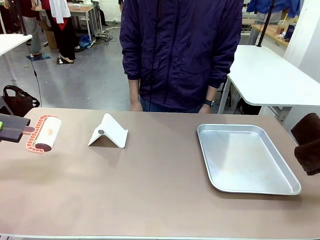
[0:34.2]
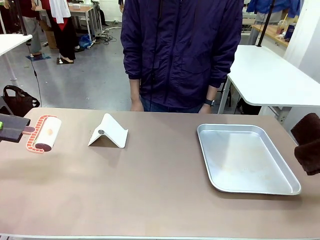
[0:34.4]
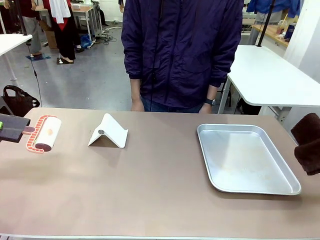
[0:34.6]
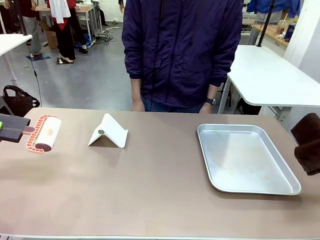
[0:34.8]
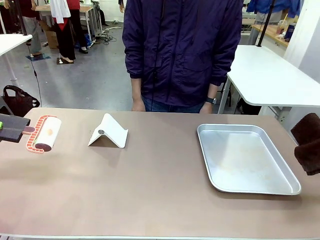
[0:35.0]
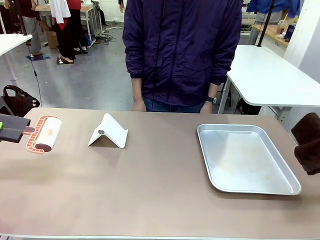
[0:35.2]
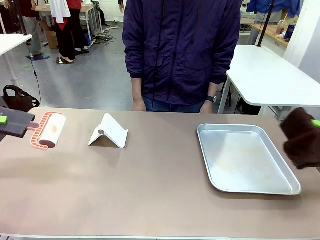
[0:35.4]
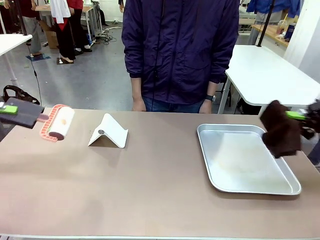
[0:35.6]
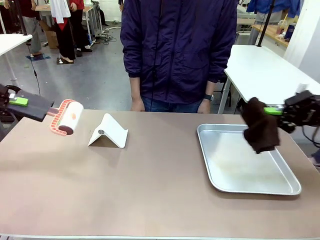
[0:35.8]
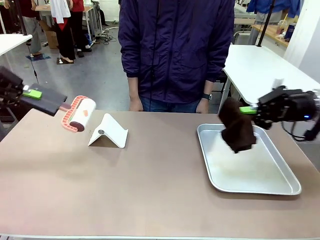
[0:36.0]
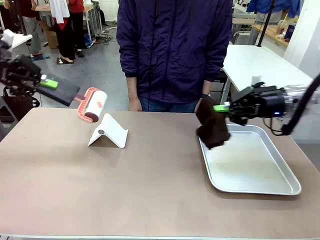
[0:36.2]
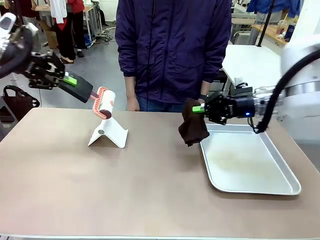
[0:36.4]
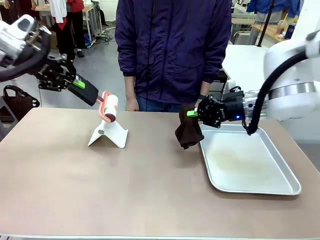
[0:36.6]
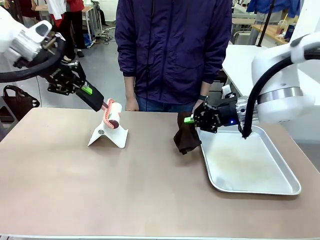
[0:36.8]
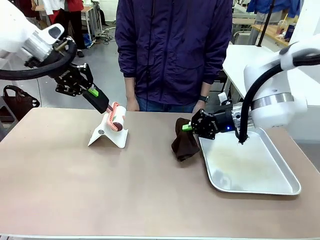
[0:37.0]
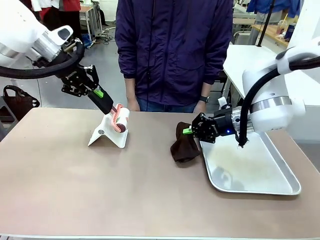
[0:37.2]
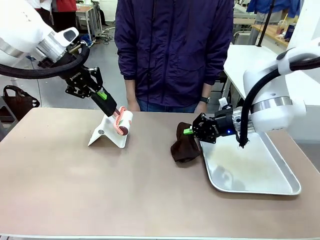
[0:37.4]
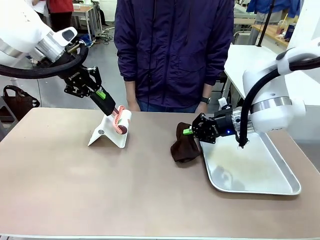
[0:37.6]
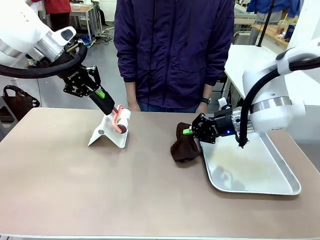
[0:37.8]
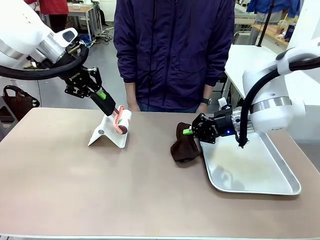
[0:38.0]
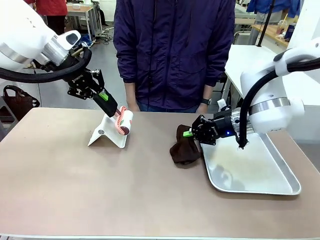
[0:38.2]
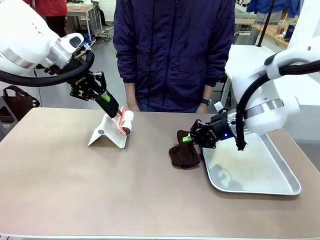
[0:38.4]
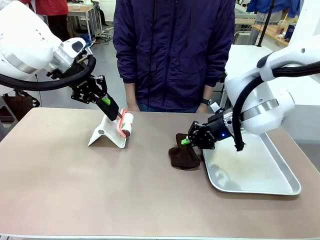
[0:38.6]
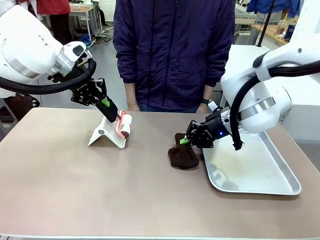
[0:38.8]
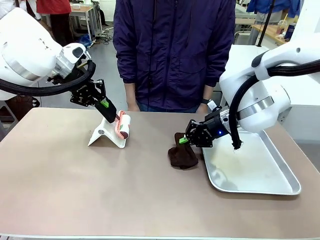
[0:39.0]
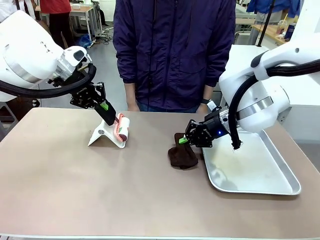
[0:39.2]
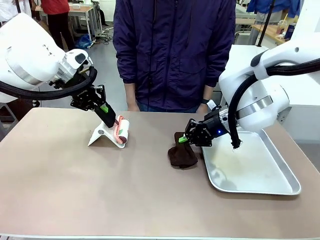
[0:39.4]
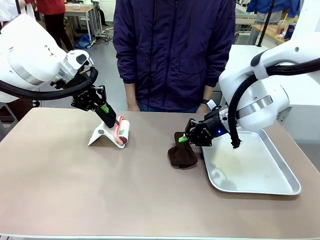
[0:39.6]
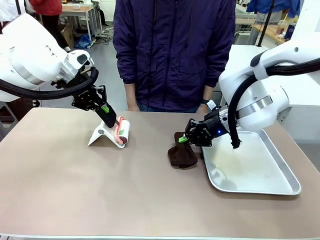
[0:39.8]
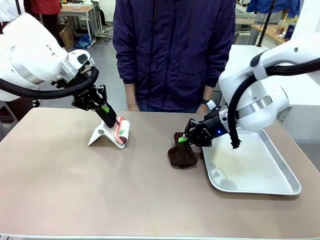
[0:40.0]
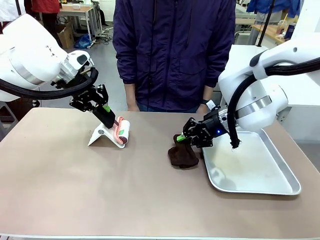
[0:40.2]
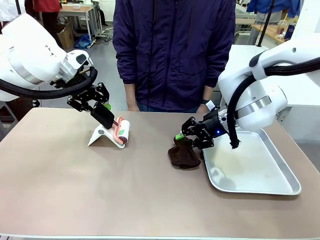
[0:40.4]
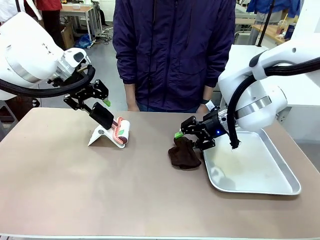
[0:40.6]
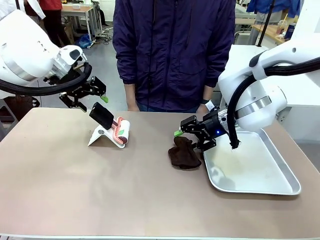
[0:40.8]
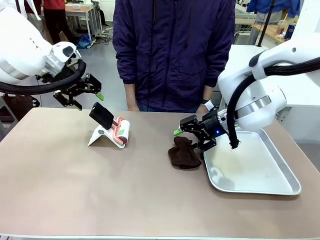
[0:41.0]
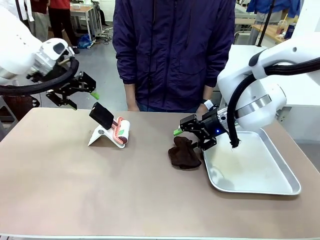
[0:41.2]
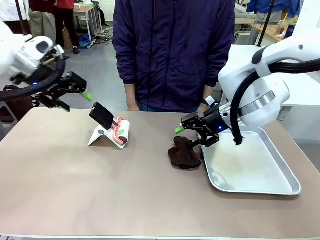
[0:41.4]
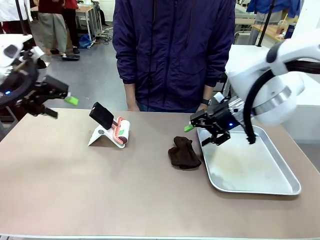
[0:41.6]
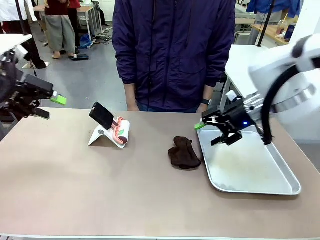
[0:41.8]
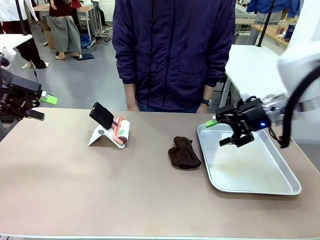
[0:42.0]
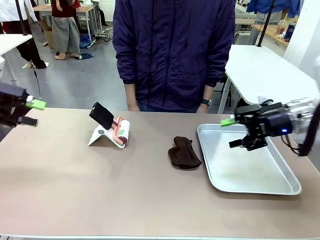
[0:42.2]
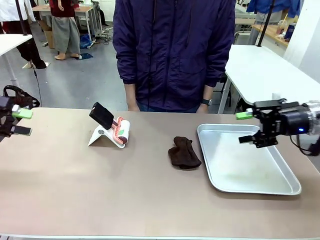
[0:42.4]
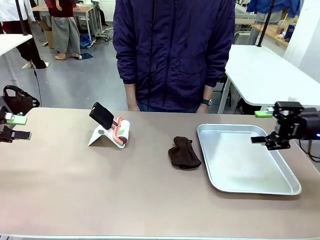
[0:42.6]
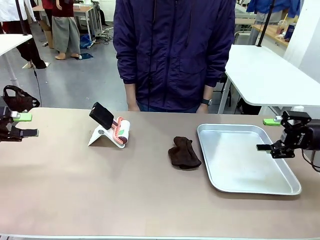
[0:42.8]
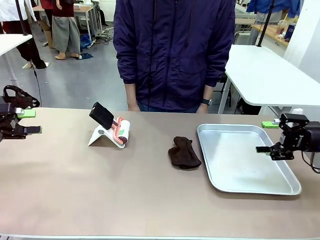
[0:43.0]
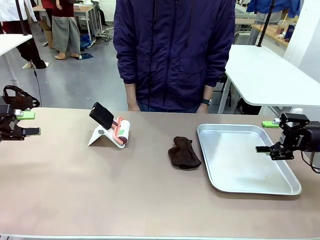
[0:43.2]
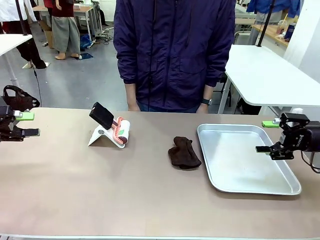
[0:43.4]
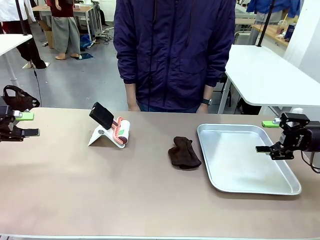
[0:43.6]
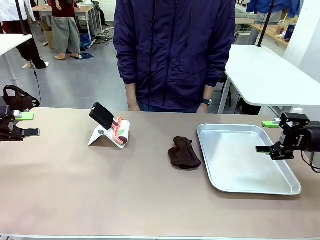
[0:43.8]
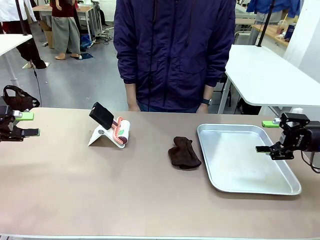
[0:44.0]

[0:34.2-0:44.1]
Task: Clean the surface of the table.
Robot: Return the Lint Roller and towel to their original positions.

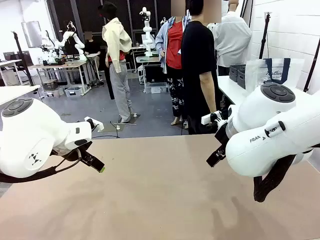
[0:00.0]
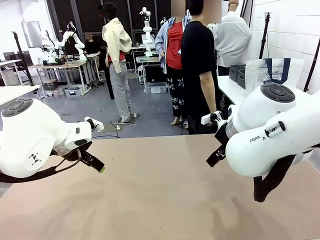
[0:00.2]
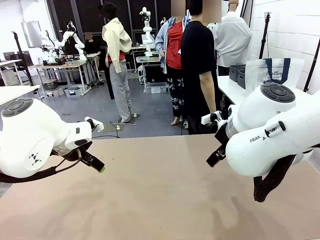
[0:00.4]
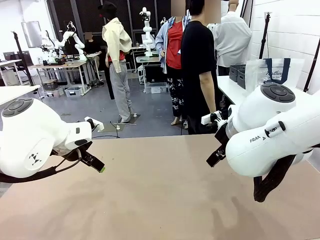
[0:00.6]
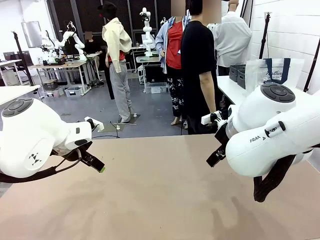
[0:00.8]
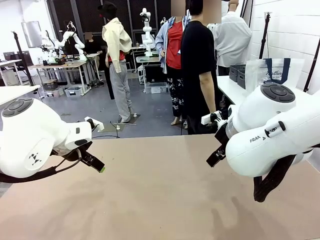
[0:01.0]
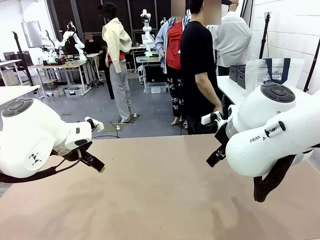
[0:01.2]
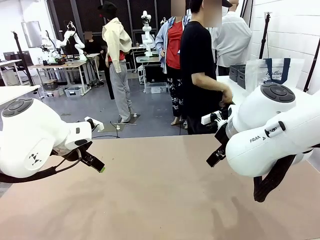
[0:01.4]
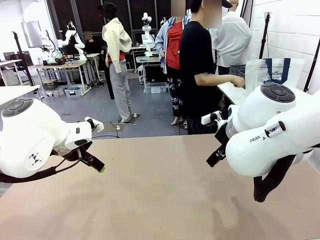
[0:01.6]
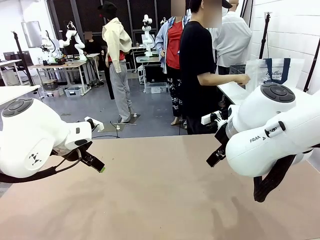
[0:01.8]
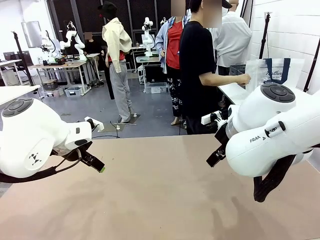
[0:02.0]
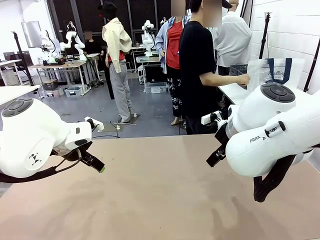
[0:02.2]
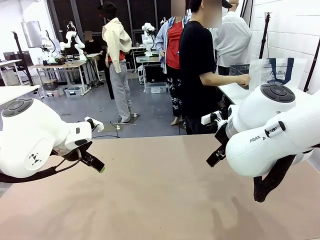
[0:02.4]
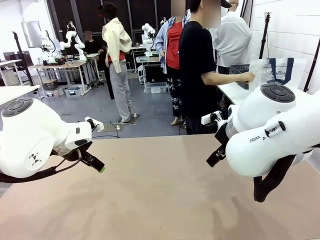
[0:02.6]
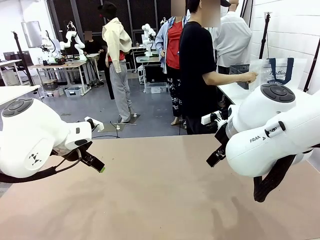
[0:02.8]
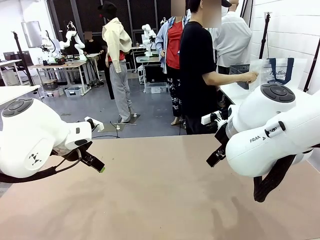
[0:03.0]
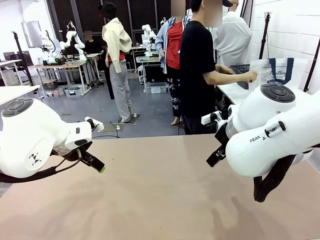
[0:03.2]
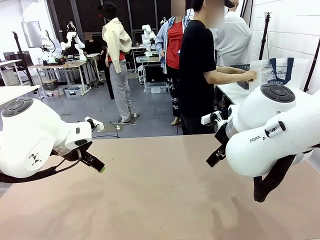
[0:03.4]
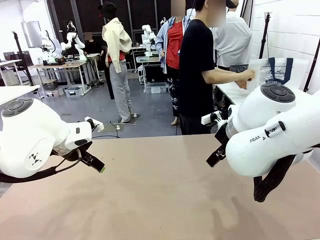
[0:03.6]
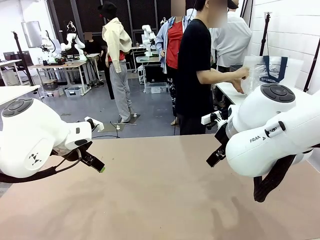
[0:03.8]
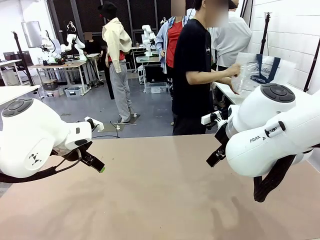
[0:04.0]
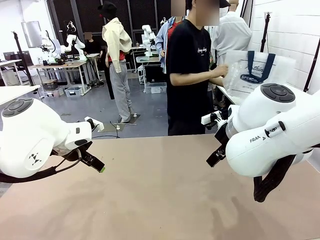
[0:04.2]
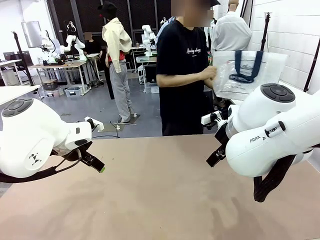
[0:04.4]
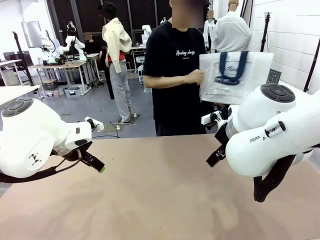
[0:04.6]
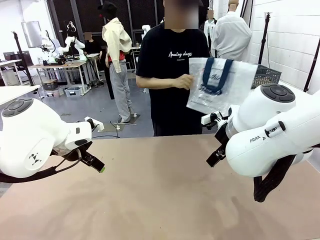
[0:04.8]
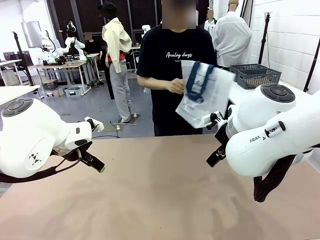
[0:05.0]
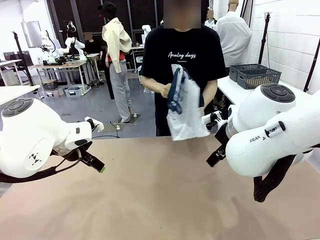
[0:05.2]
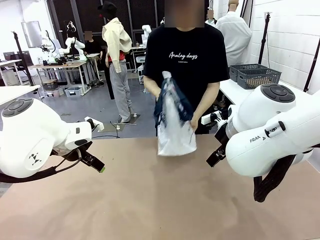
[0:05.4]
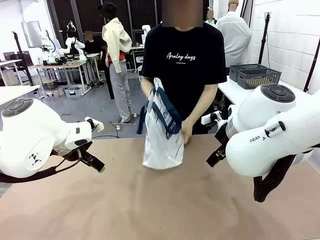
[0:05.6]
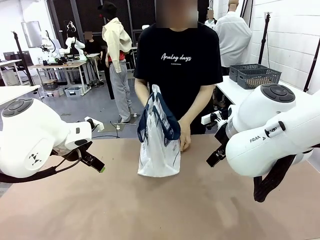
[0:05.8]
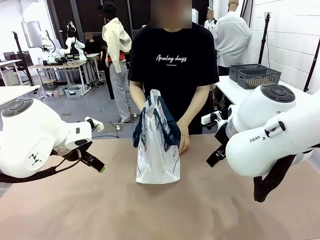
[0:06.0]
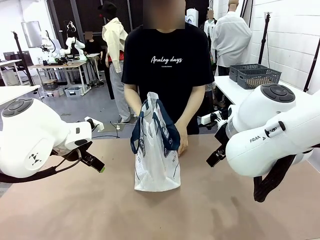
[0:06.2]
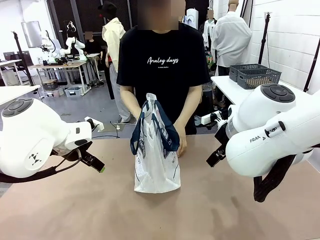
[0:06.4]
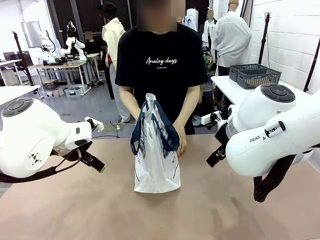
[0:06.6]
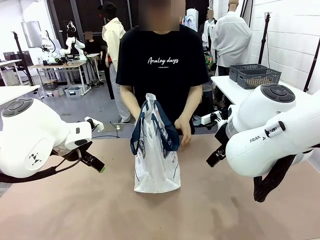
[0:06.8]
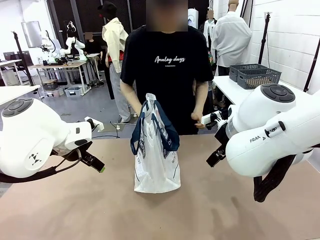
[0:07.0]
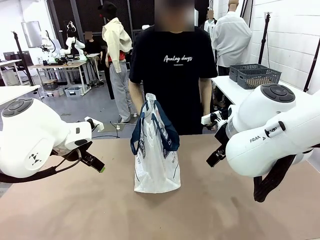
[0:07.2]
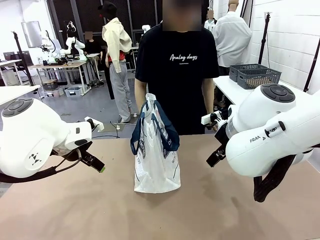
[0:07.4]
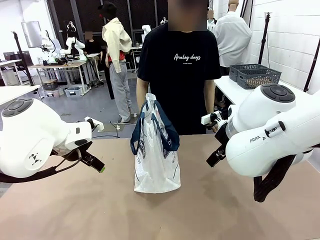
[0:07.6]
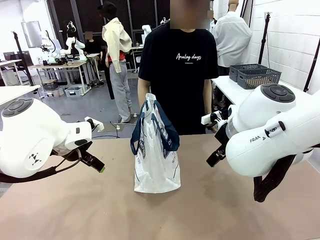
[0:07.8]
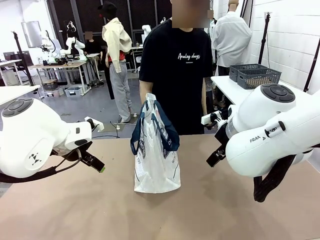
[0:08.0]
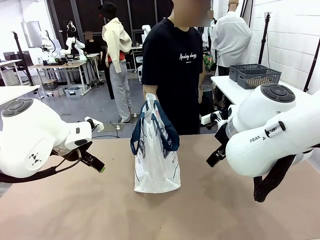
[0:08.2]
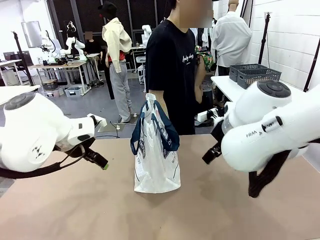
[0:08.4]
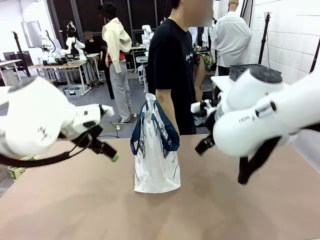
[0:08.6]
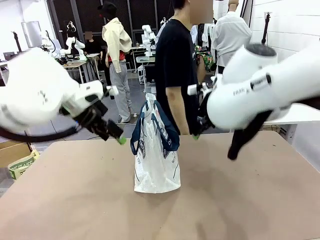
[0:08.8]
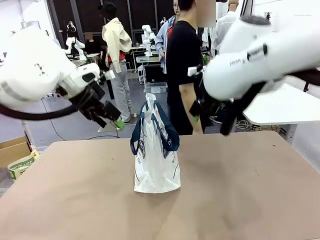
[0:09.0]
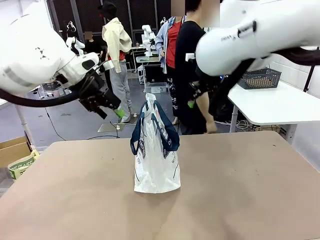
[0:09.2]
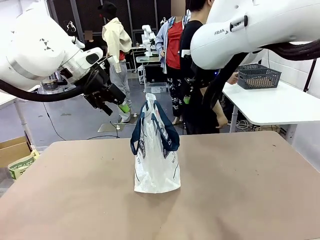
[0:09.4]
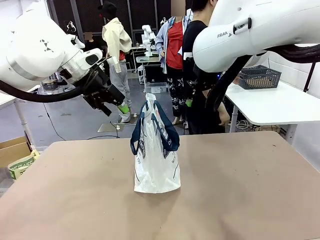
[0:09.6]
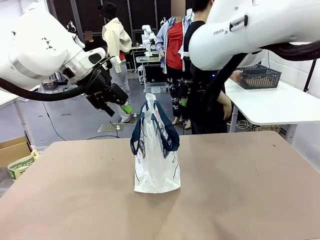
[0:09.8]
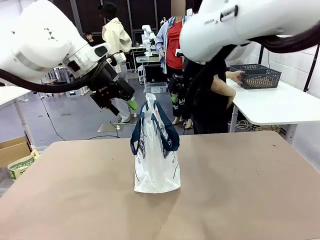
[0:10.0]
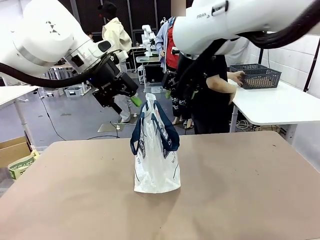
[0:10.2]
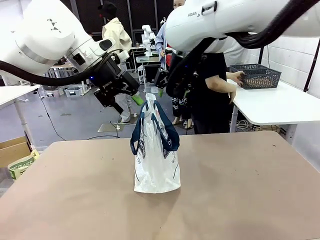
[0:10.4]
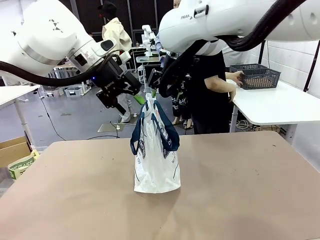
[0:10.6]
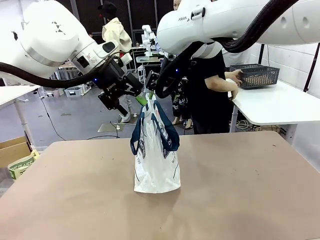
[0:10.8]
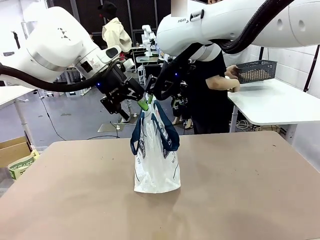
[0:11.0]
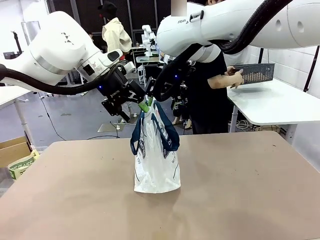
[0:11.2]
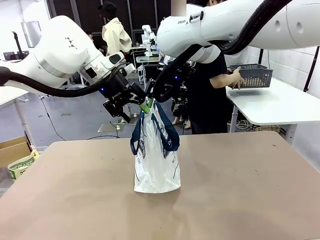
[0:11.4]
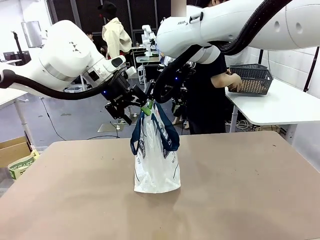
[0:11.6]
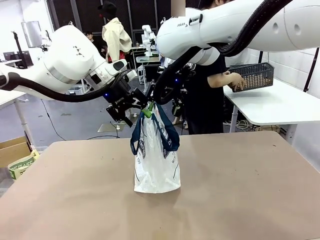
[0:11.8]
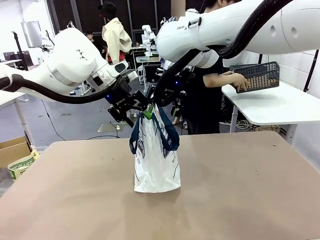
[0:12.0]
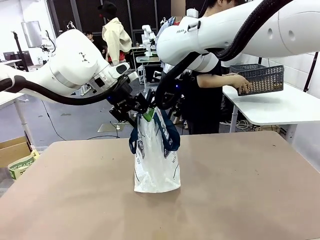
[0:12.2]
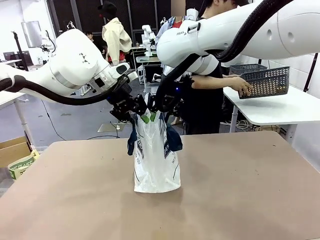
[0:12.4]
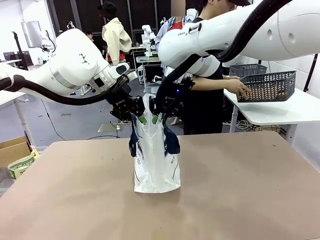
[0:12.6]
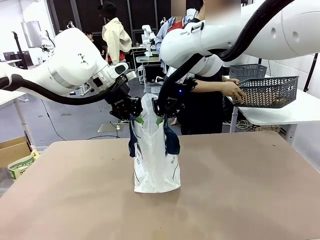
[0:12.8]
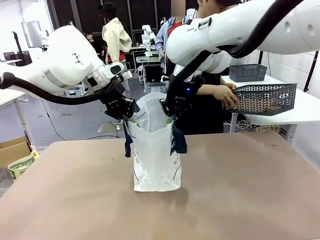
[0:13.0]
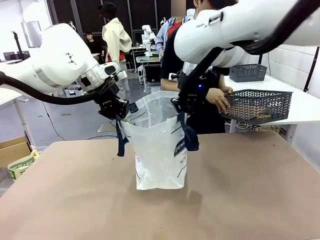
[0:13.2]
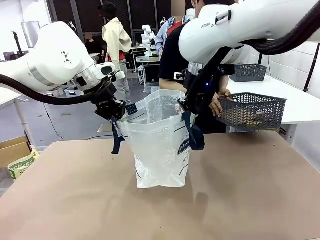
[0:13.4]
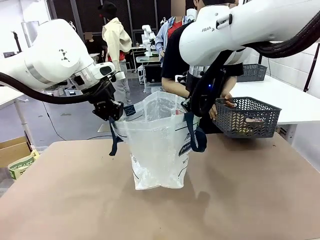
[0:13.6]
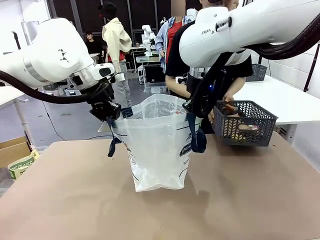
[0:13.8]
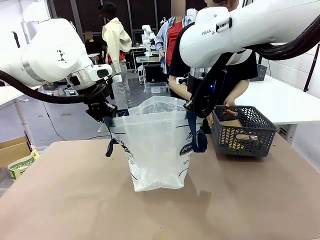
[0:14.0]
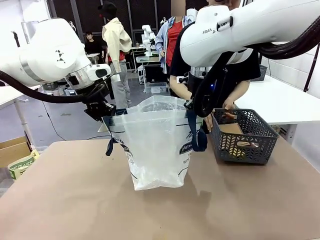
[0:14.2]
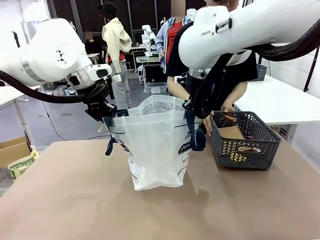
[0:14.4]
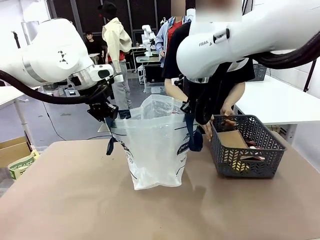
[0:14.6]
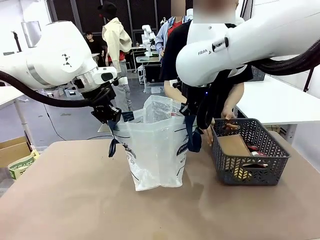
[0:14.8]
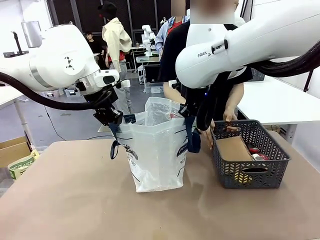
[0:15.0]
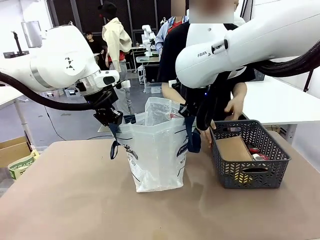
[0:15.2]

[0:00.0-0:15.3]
Task: Transfer purchased items from the store into the shopping bag.
Robot: Open the Reusable shopping bag in the center of the table.
Person: Pick up the shopping bag and place it in the middle of the robot table.
